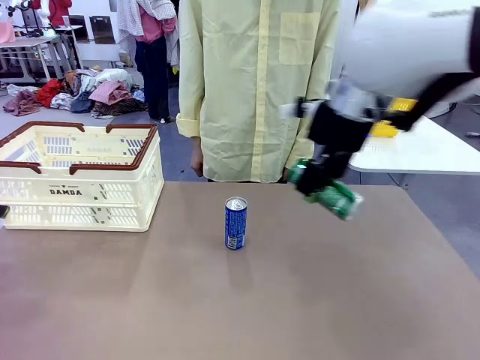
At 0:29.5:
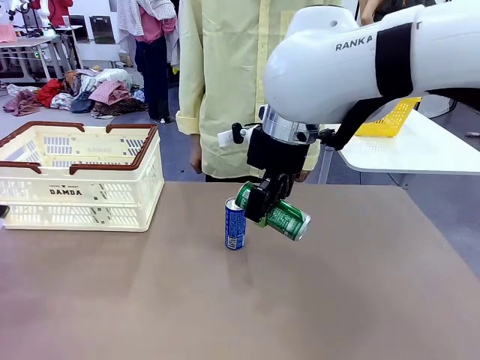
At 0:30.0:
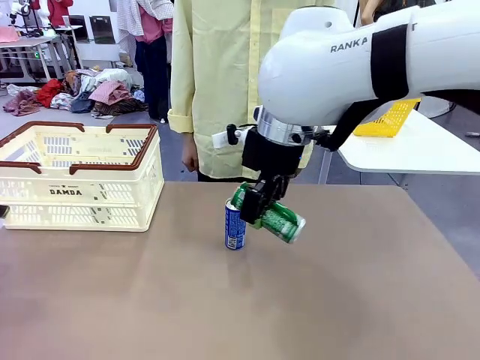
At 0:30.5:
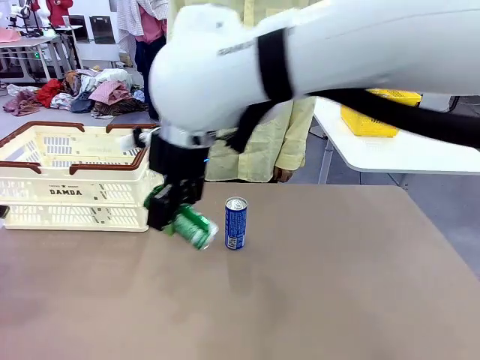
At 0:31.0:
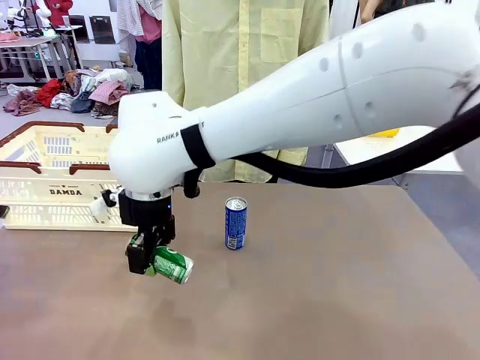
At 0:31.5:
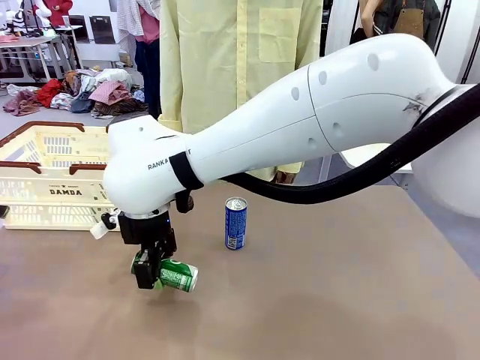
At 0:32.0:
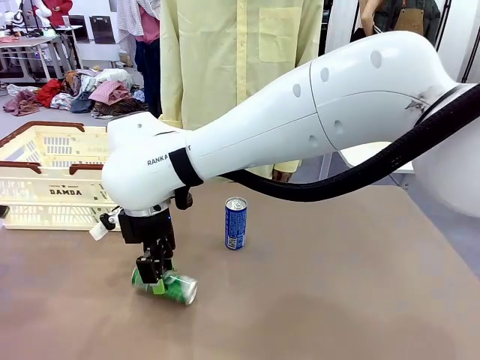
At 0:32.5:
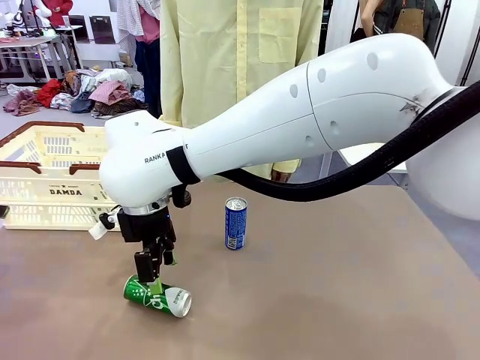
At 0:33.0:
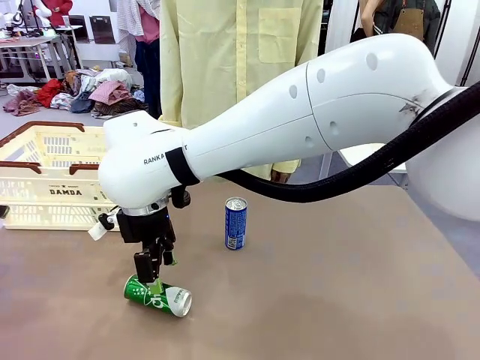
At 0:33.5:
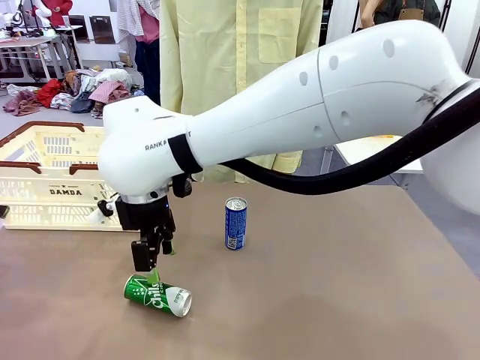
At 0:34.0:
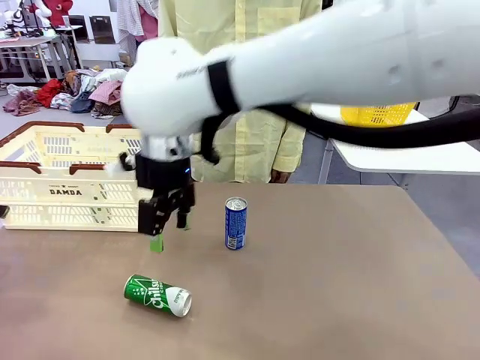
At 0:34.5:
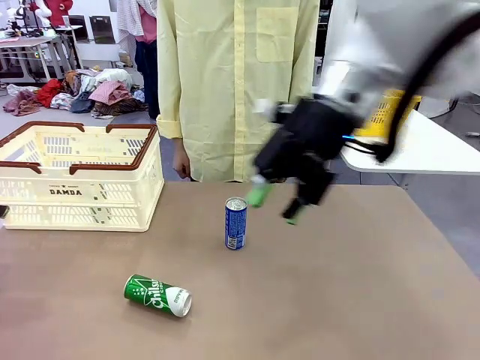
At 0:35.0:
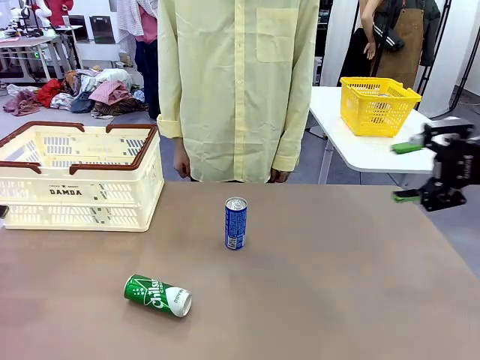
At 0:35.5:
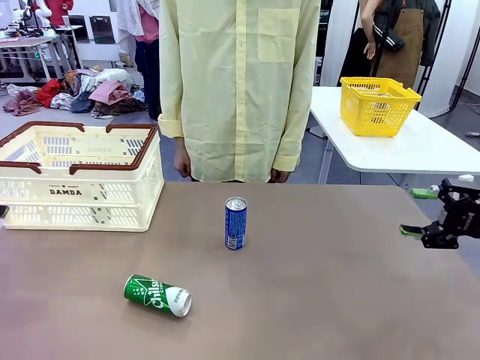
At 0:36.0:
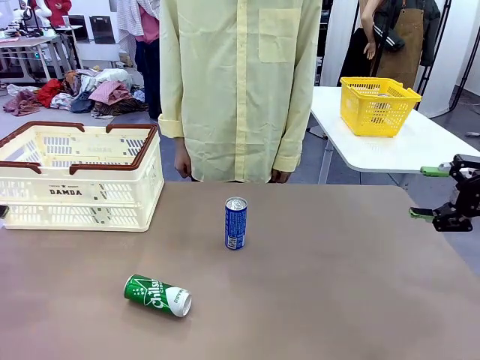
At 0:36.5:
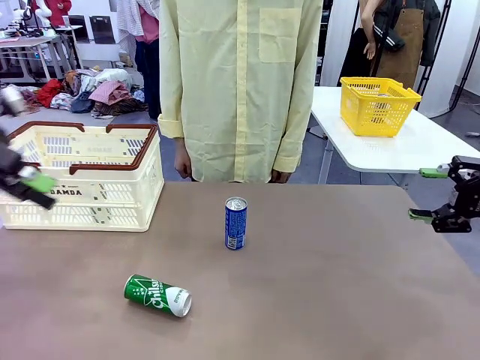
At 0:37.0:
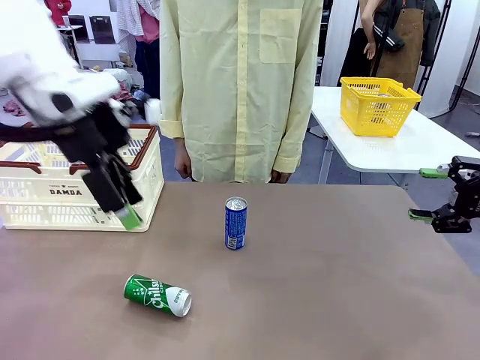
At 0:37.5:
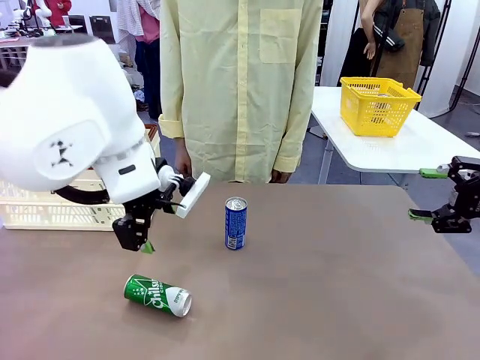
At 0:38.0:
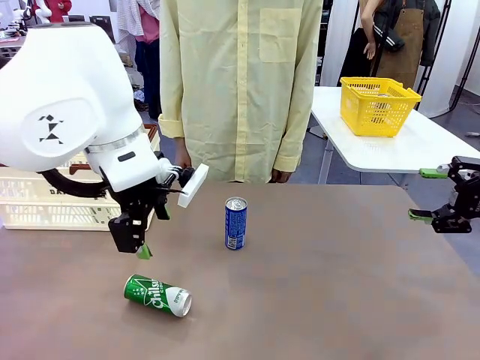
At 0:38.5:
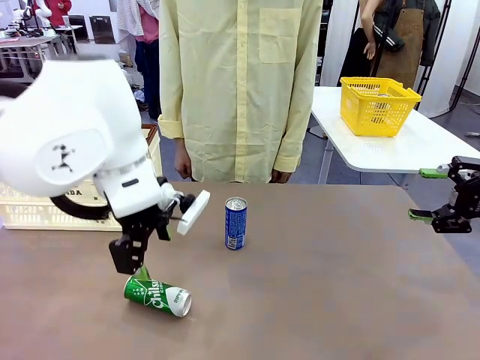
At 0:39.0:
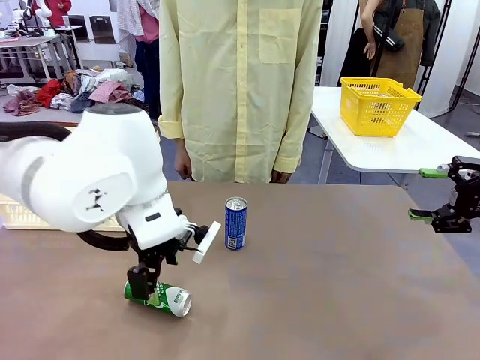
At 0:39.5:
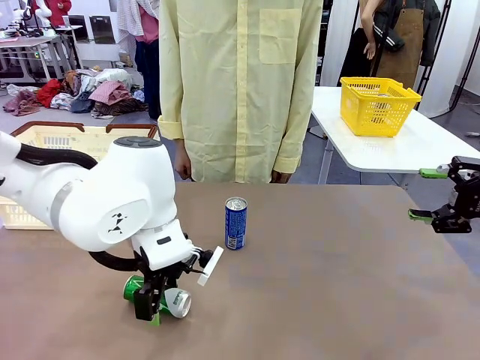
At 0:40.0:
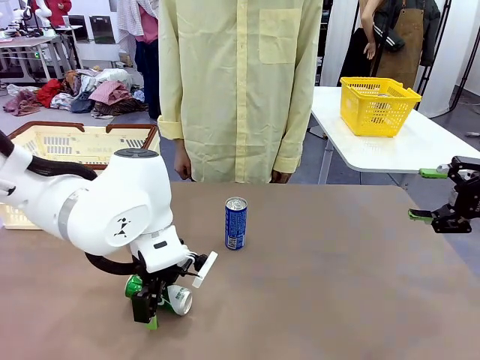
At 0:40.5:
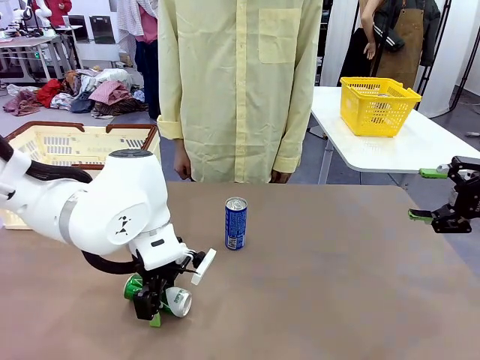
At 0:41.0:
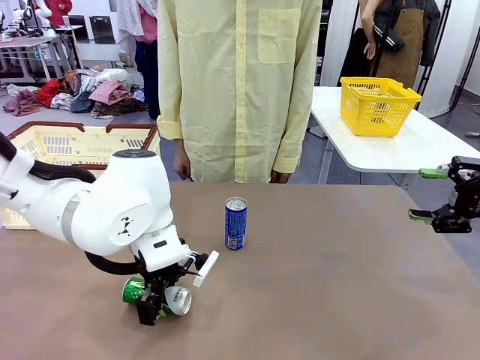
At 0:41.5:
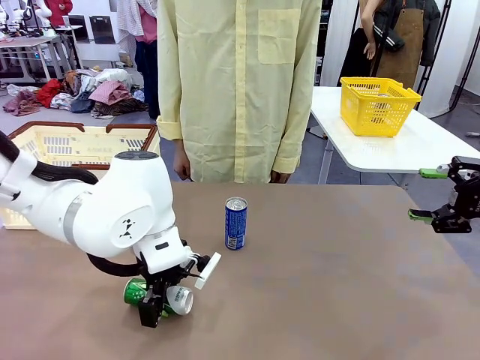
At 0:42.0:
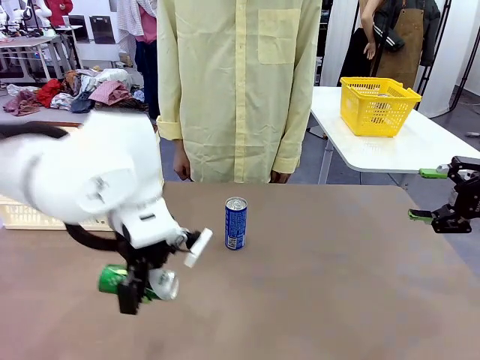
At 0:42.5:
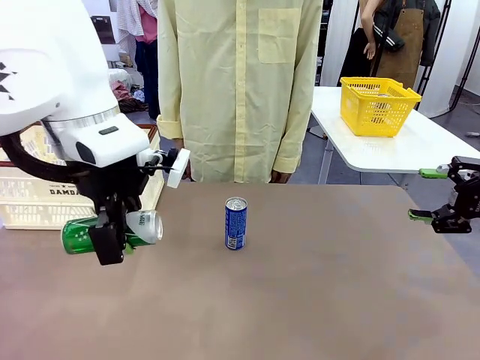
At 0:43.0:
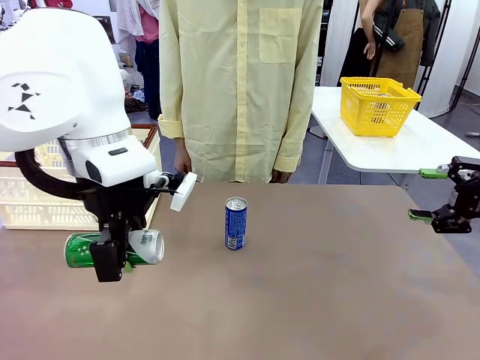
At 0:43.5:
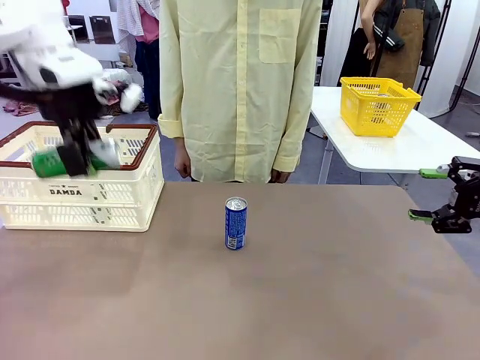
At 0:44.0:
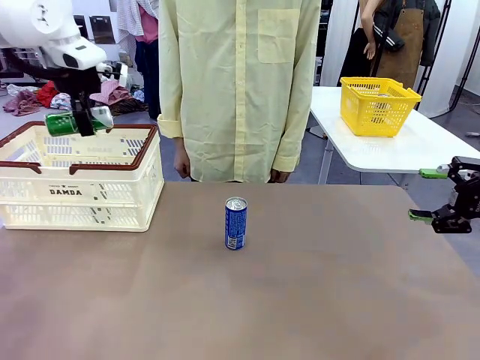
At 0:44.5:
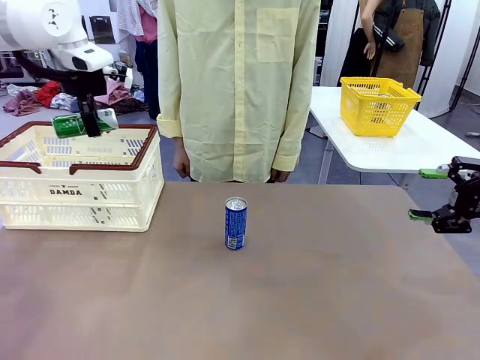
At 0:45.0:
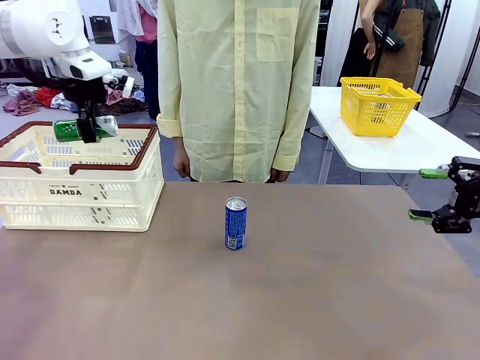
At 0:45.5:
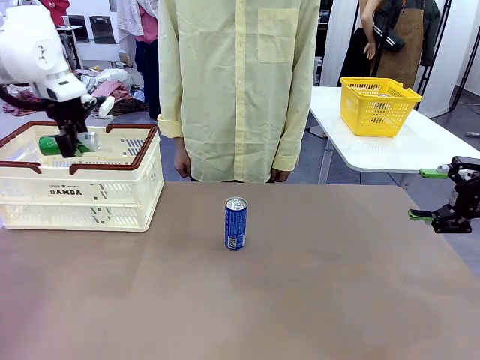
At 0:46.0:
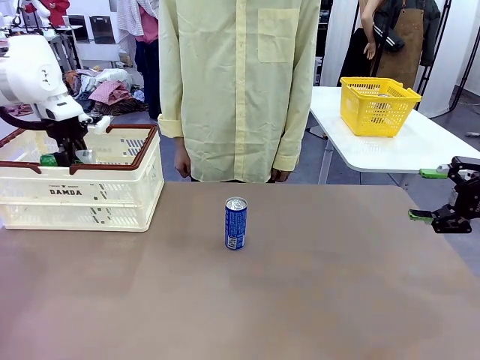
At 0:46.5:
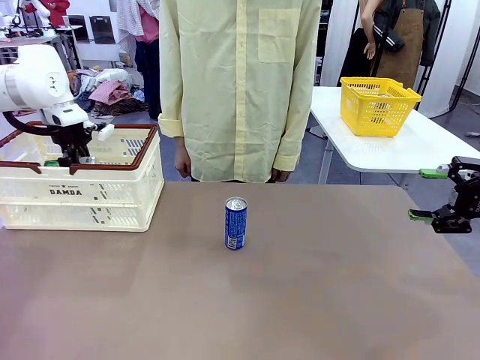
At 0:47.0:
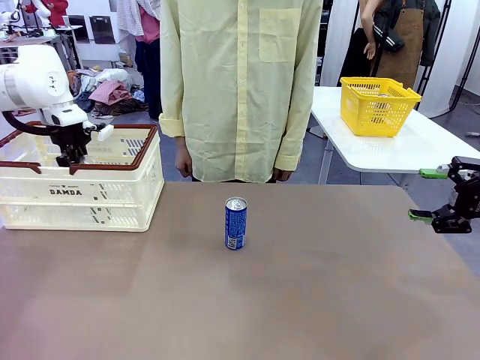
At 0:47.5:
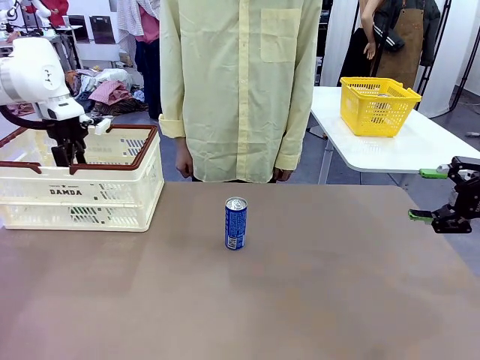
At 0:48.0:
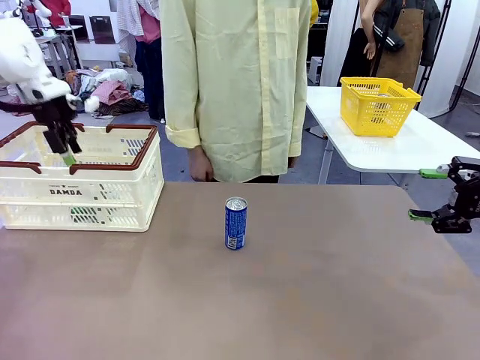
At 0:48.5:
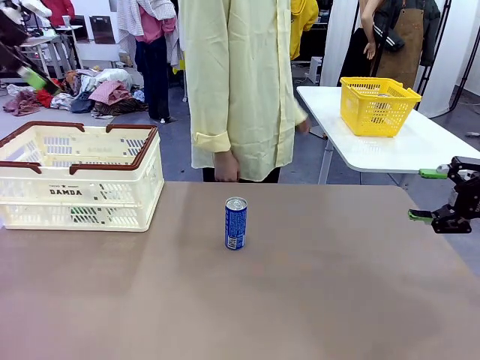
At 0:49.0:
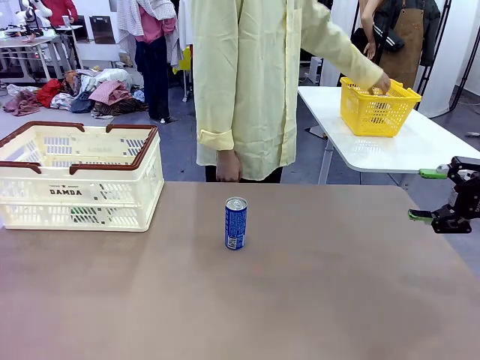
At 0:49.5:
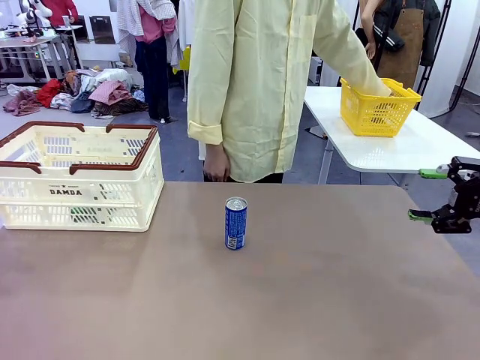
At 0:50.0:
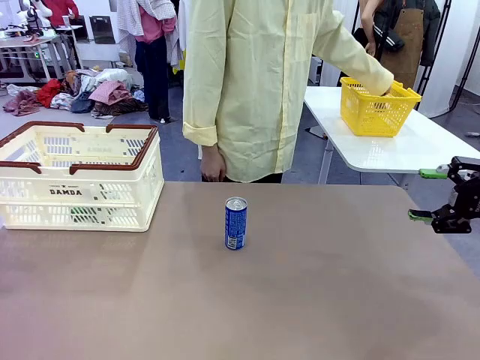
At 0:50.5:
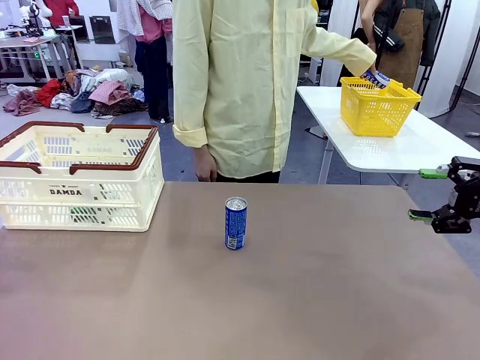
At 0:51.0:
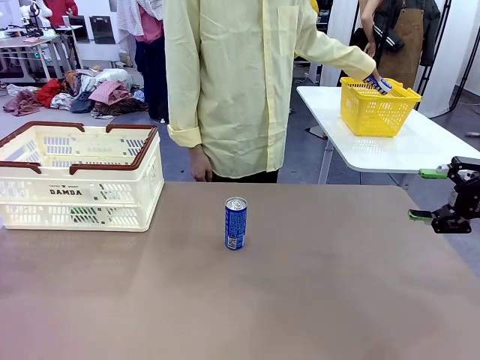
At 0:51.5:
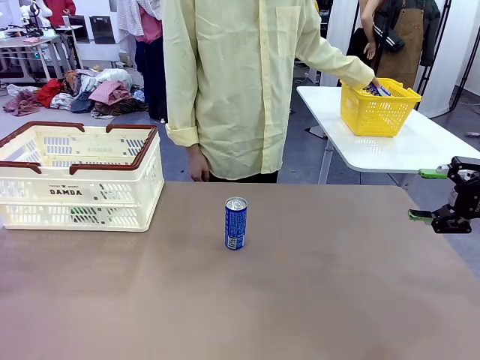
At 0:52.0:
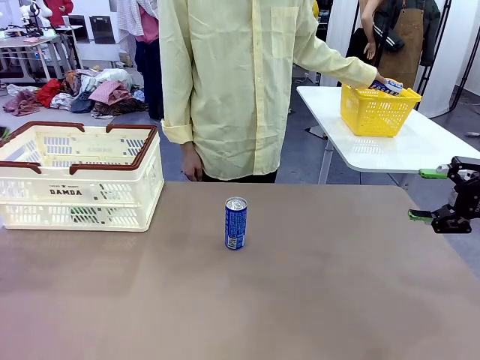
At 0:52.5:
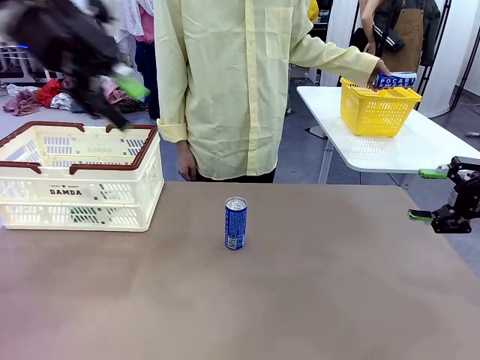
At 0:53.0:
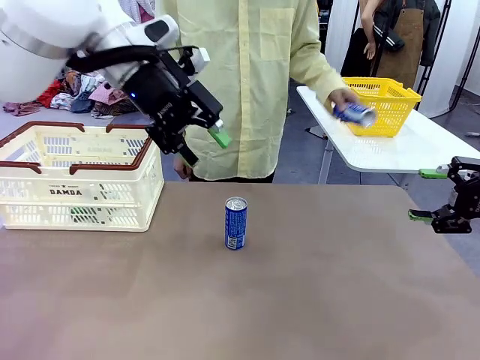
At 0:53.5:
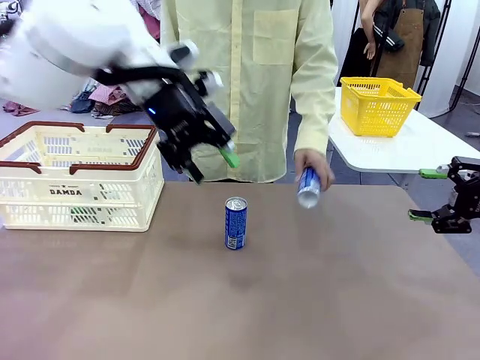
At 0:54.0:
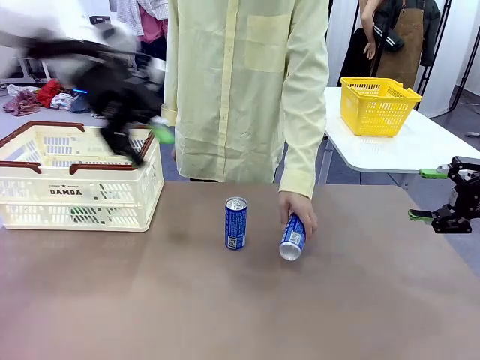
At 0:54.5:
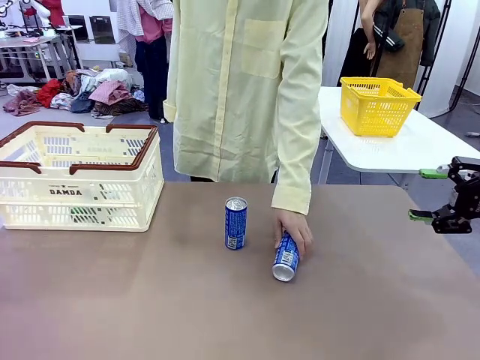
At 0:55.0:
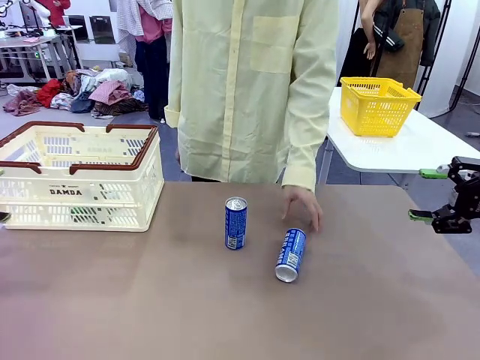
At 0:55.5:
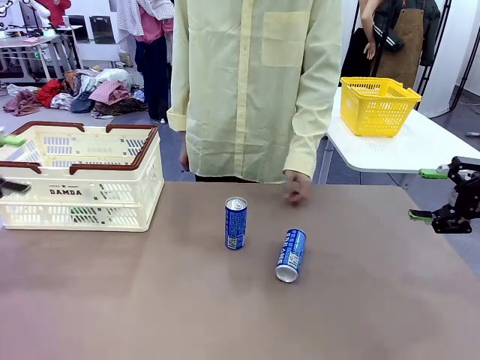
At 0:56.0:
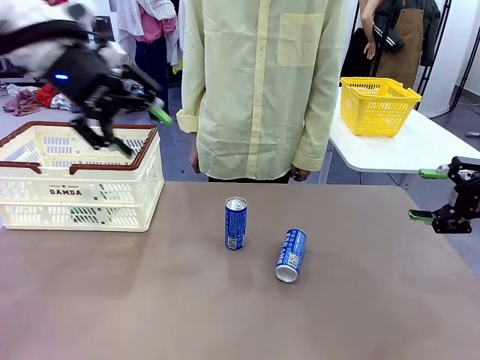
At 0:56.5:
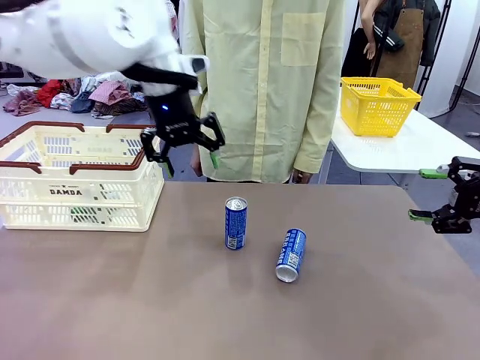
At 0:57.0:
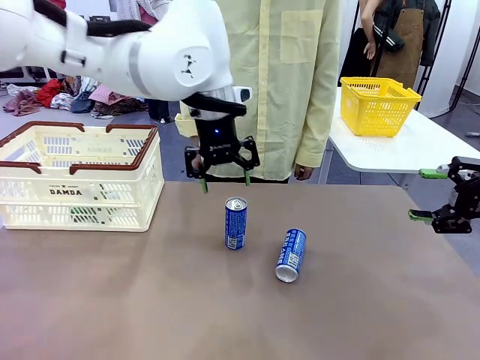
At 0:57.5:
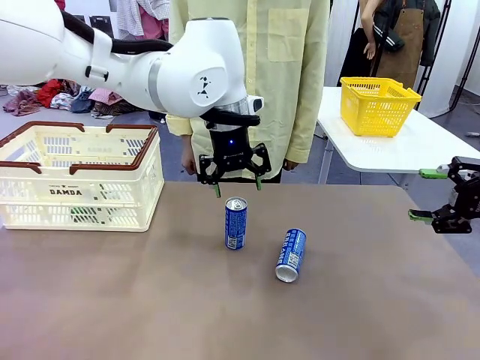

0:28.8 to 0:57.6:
Task: Place the drinks into the Shopping basket.
Robot: Pick up one drink and place it into the Shopping basket.
